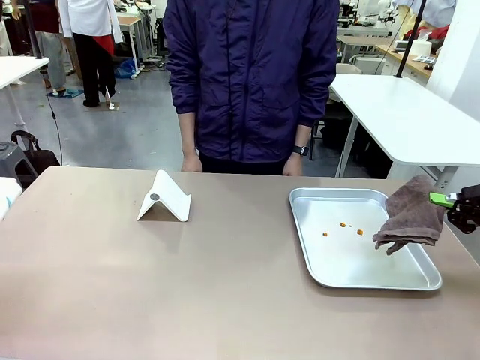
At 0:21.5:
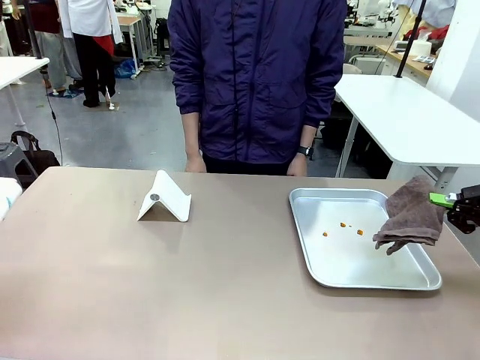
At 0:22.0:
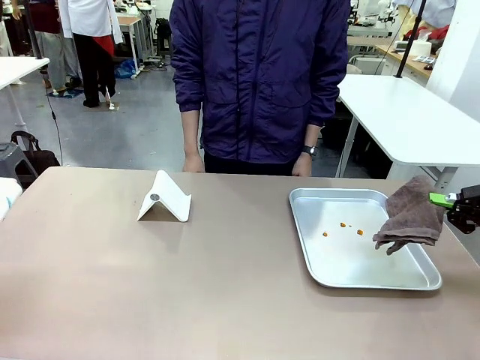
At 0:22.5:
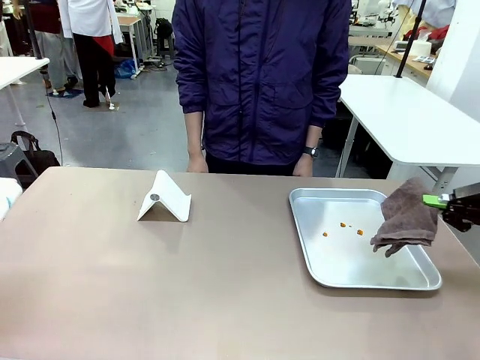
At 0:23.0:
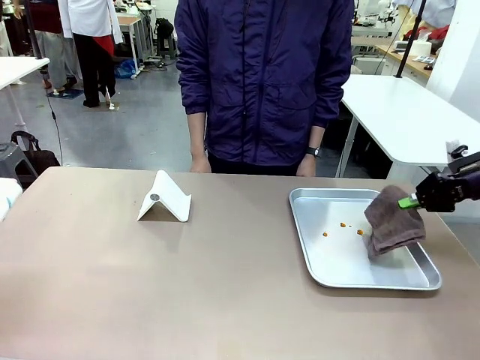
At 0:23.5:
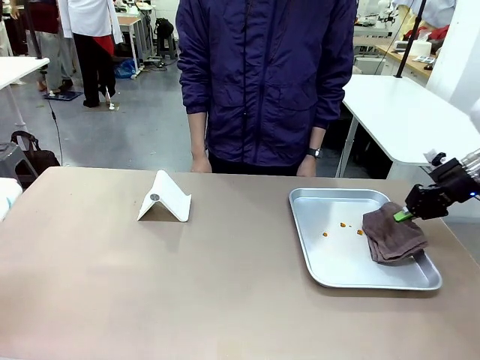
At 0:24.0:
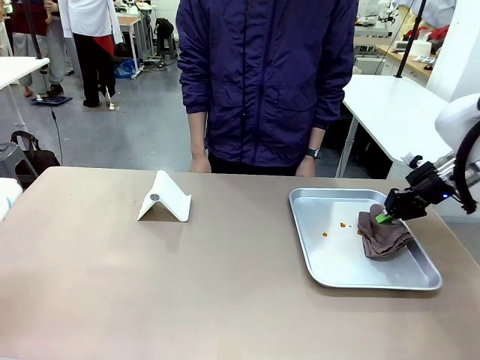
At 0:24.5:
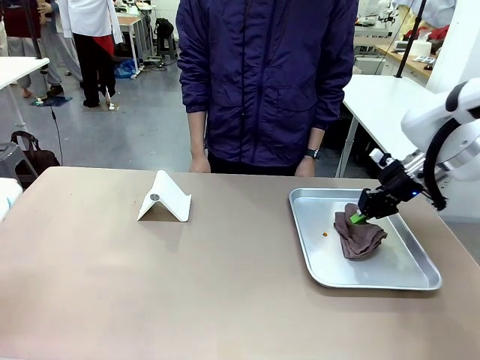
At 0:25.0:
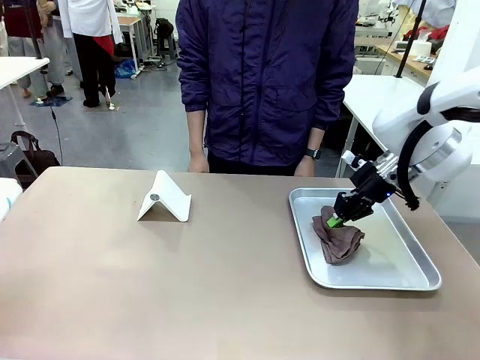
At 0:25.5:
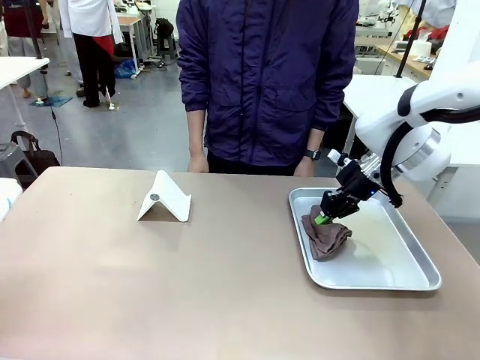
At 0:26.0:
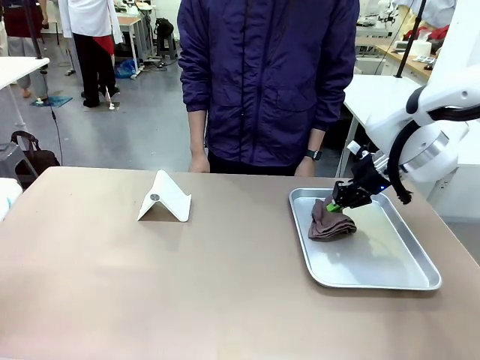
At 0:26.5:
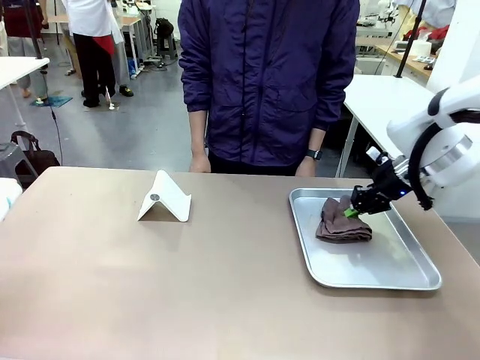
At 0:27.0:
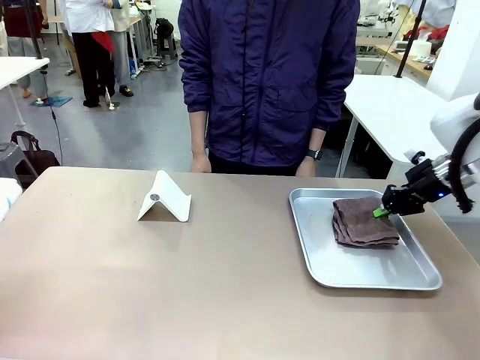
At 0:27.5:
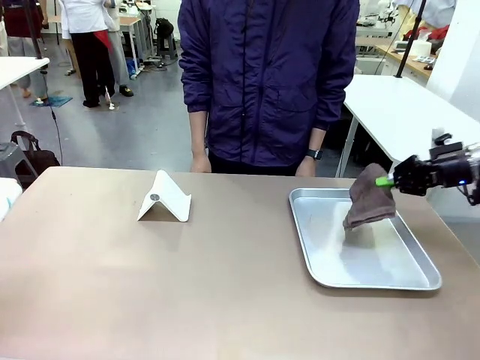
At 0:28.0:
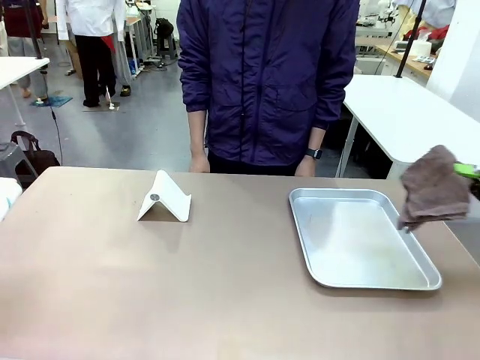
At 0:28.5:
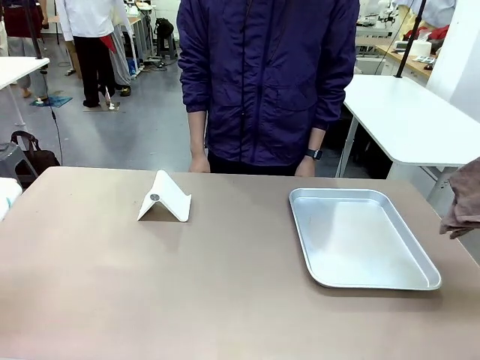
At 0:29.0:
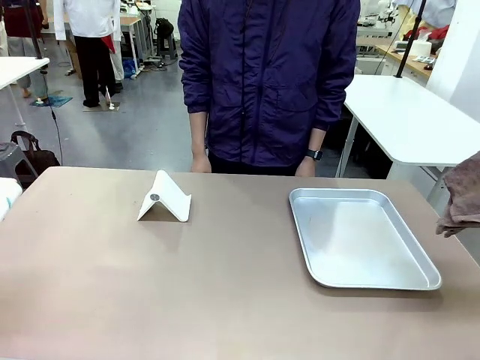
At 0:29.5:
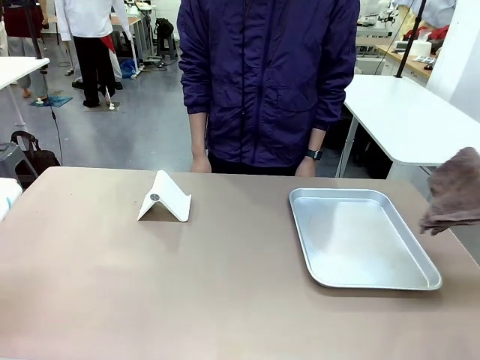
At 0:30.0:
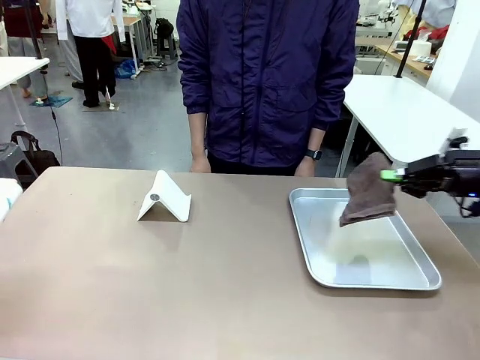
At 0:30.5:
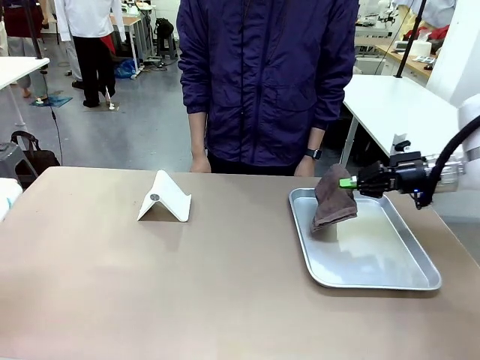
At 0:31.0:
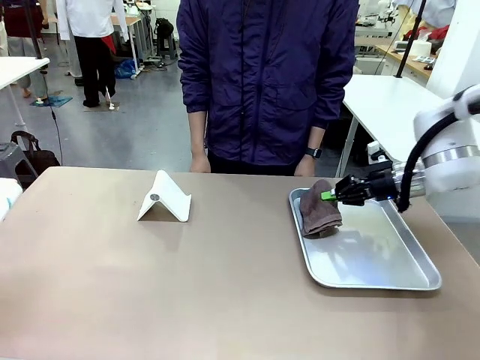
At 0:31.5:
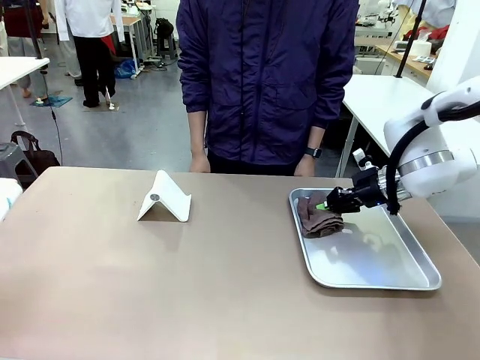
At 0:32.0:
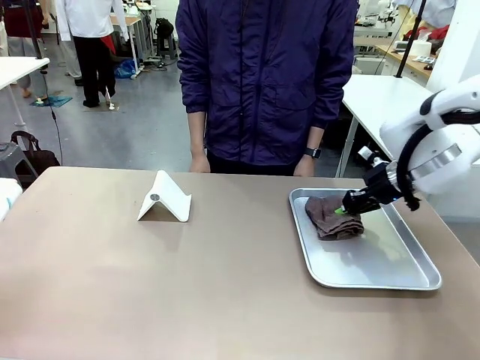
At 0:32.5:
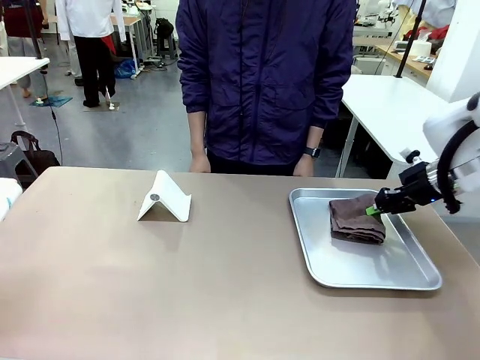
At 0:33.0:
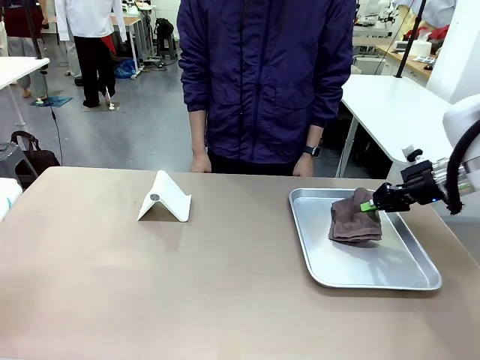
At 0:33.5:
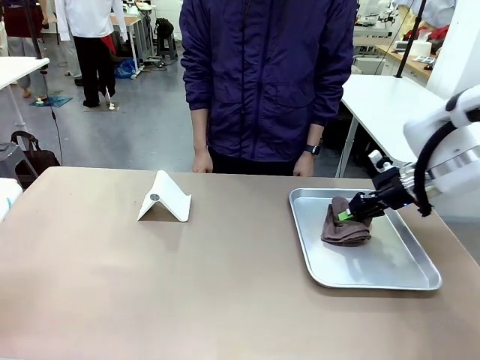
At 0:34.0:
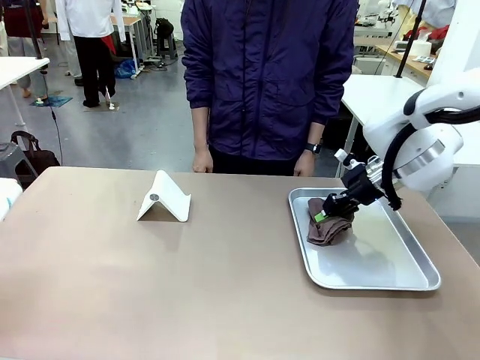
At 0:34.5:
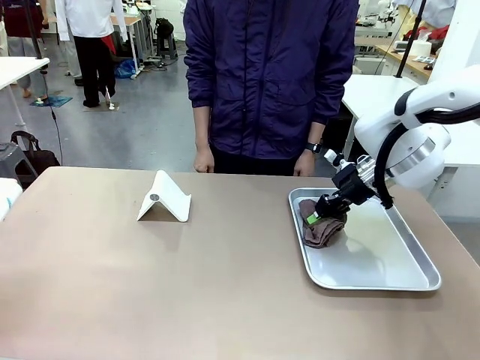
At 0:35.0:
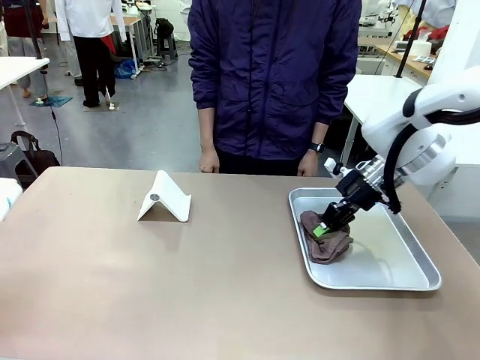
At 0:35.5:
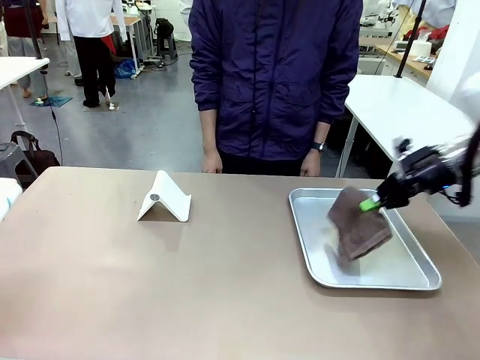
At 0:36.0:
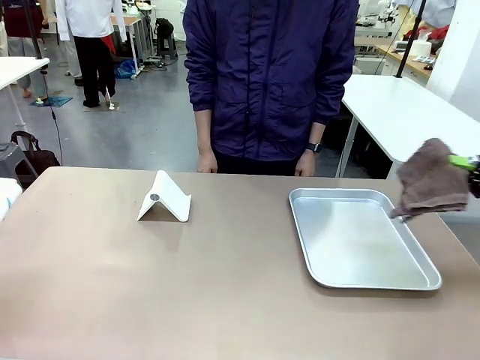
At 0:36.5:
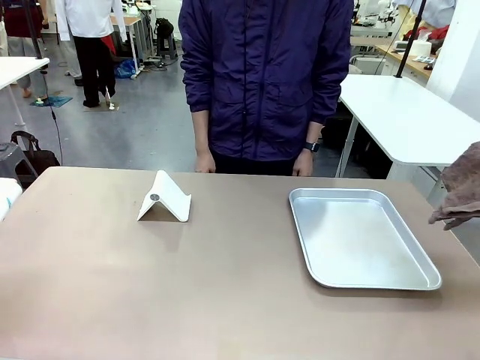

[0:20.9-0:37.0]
Task: Clean the surface of the table.
Robot: Clean the area not pointed to by the person.

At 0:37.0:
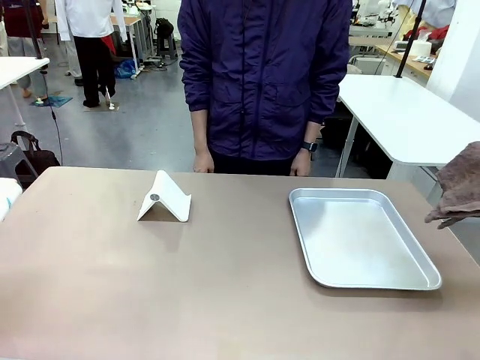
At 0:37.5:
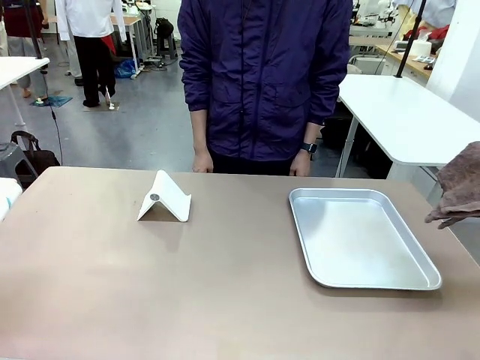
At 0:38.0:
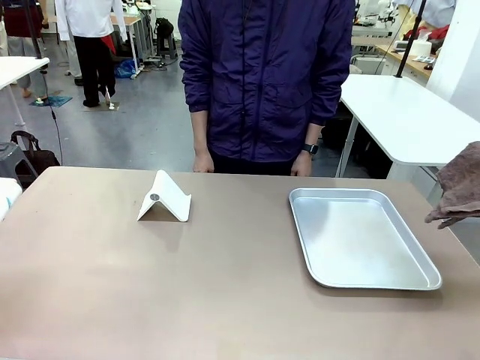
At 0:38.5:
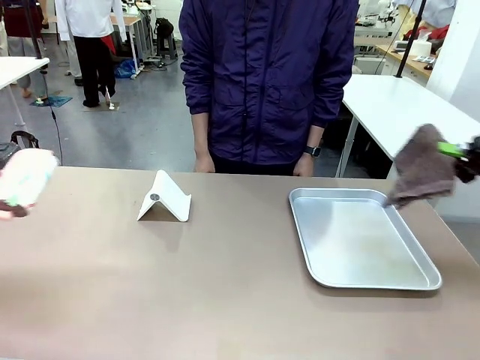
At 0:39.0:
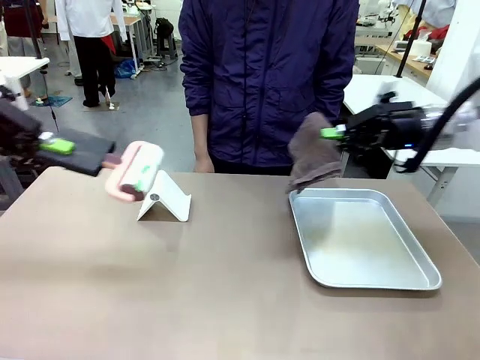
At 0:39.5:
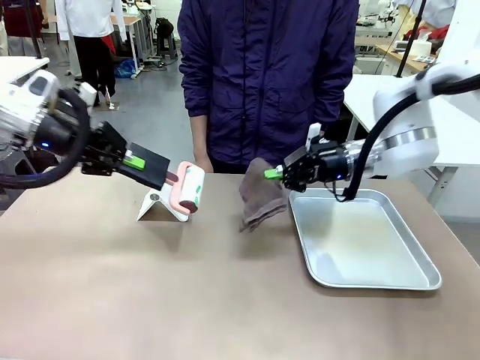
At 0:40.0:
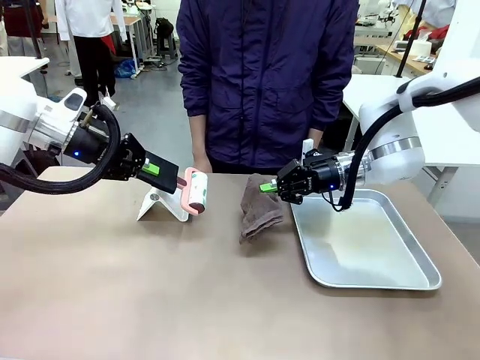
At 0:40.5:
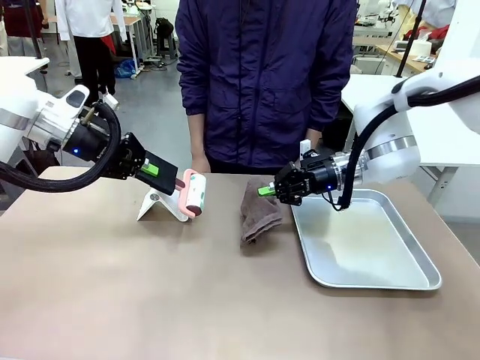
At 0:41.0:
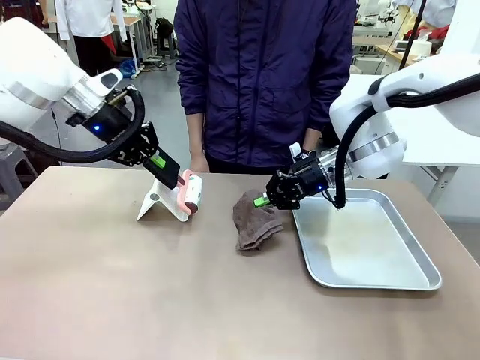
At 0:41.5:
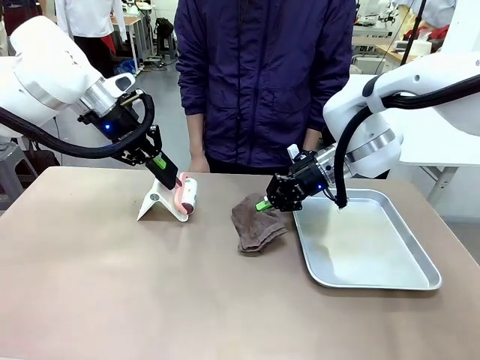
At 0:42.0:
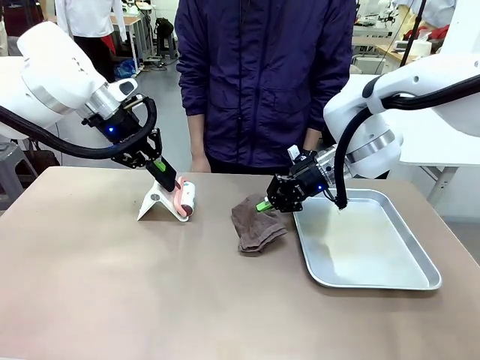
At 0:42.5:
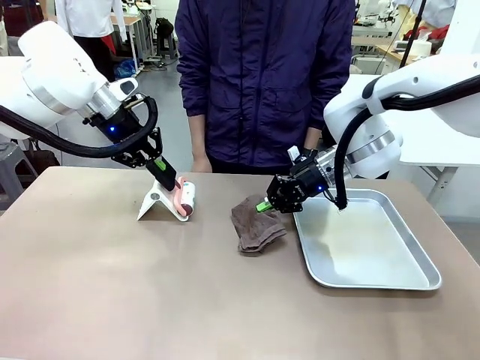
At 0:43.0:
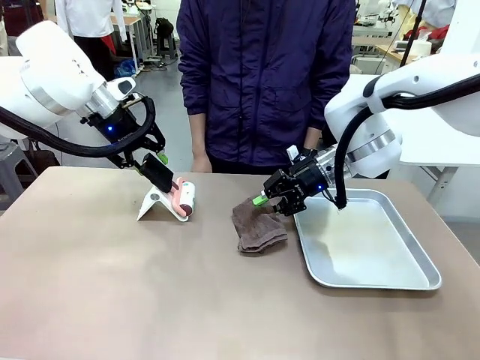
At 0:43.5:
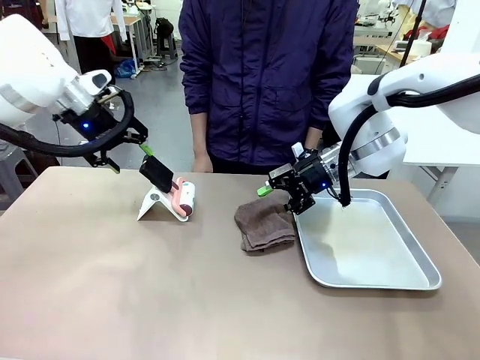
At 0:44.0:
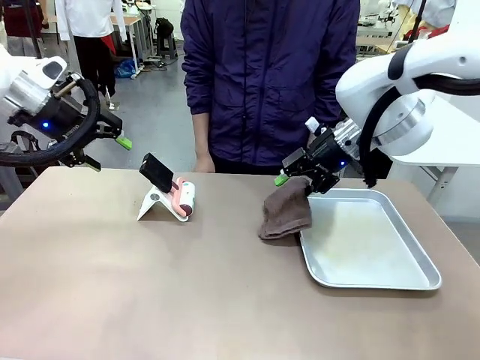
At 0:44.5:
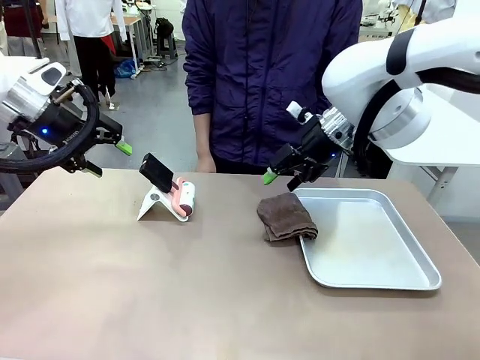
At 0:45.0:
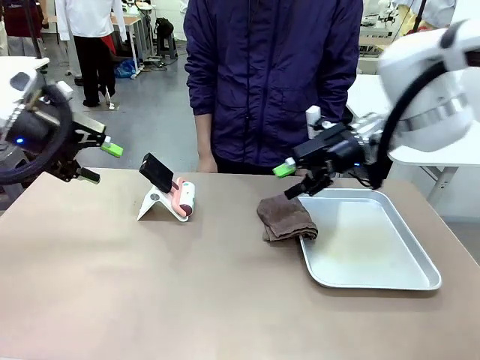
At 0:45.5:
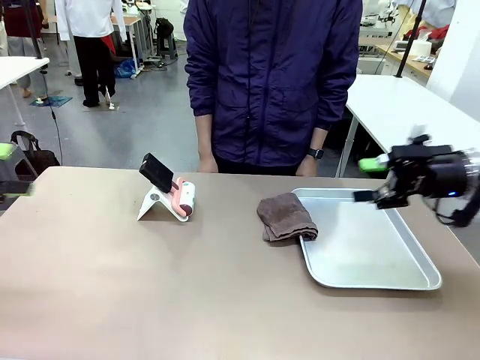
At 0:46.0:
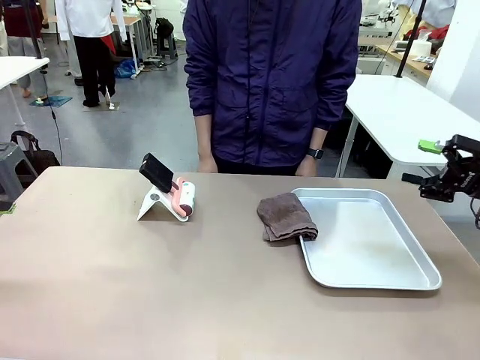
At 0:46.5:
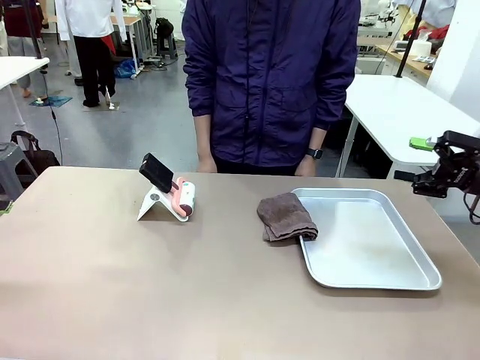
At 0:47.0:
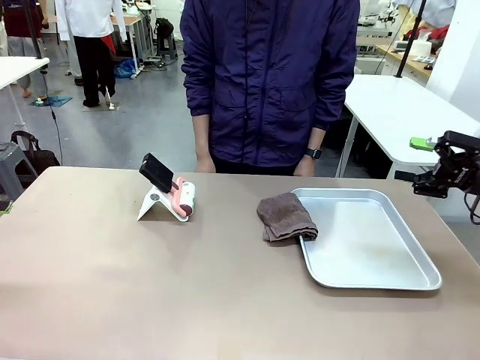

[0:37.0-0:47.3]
Robot: Return the Lint Roller and towel to their original positions.
